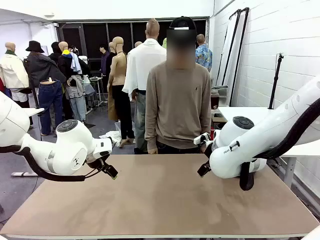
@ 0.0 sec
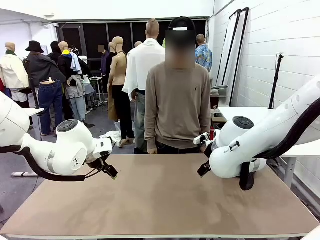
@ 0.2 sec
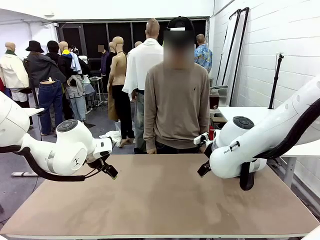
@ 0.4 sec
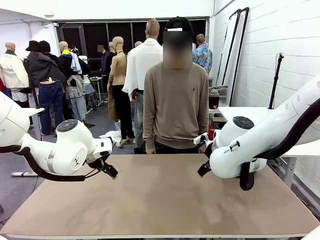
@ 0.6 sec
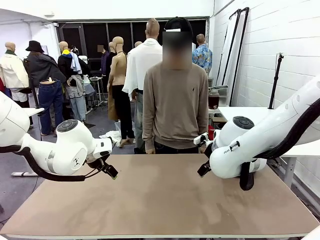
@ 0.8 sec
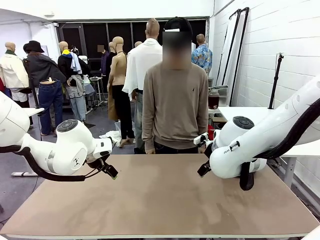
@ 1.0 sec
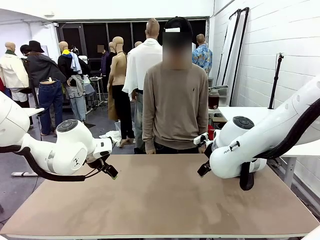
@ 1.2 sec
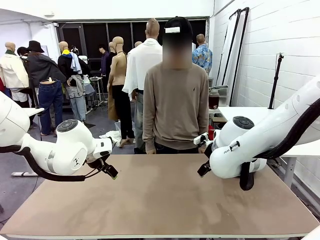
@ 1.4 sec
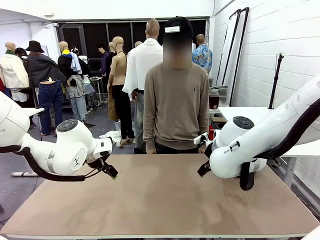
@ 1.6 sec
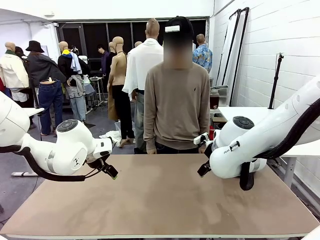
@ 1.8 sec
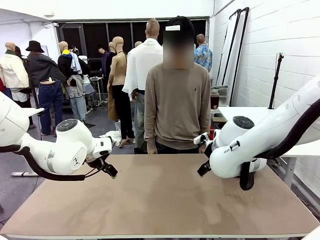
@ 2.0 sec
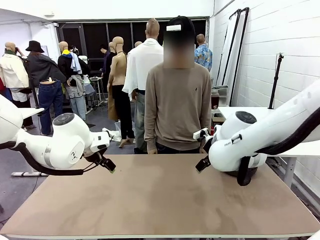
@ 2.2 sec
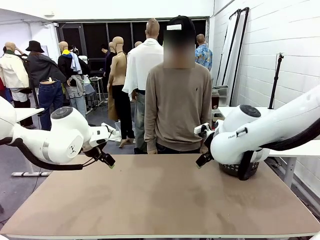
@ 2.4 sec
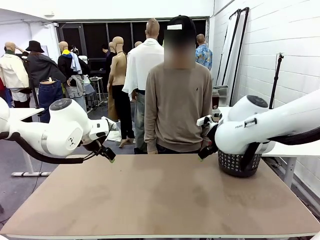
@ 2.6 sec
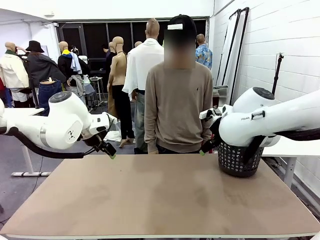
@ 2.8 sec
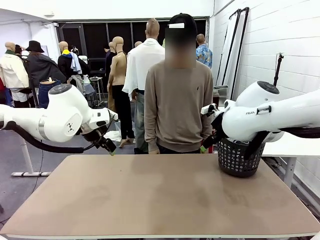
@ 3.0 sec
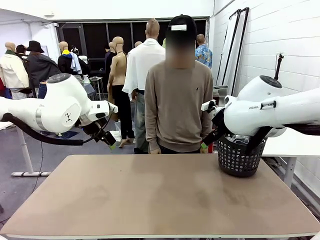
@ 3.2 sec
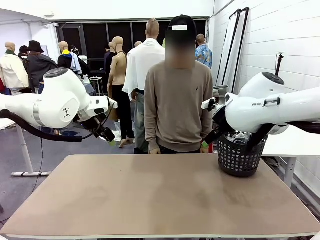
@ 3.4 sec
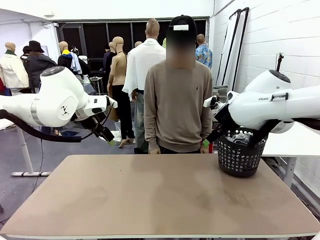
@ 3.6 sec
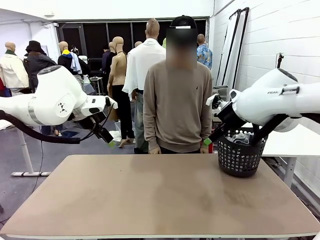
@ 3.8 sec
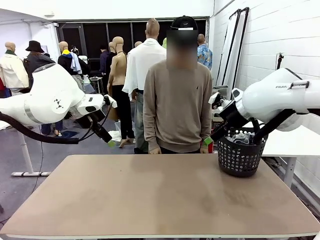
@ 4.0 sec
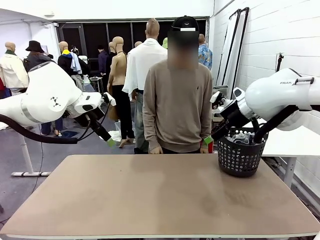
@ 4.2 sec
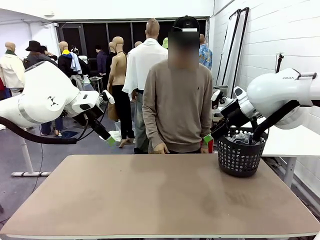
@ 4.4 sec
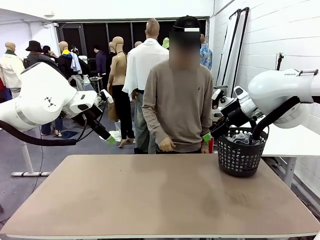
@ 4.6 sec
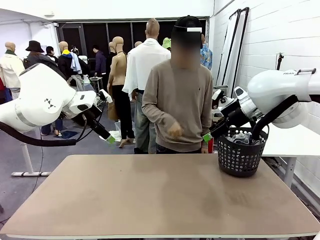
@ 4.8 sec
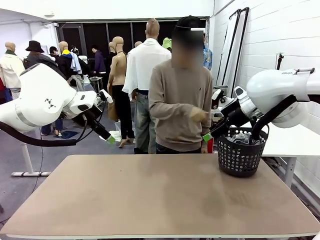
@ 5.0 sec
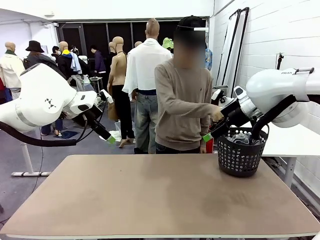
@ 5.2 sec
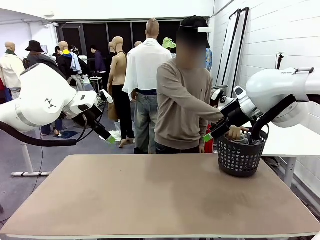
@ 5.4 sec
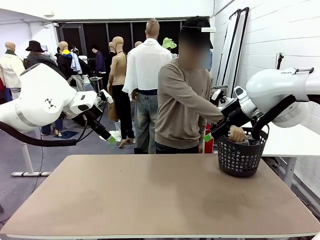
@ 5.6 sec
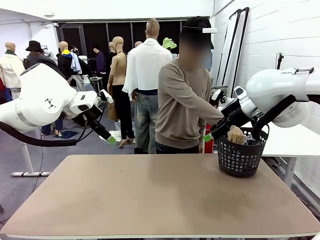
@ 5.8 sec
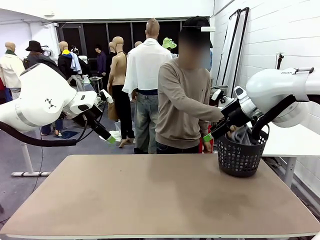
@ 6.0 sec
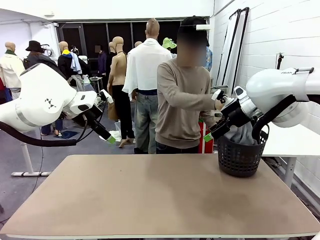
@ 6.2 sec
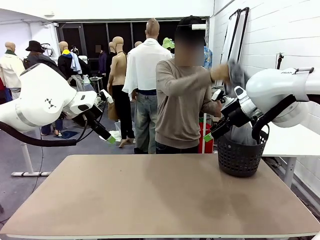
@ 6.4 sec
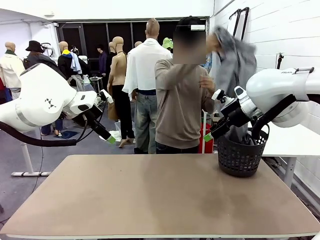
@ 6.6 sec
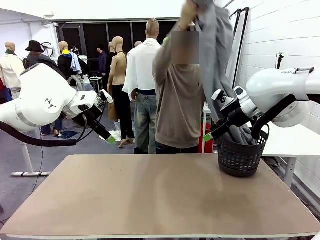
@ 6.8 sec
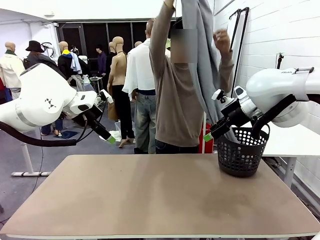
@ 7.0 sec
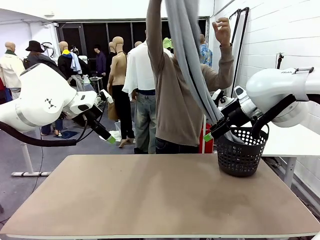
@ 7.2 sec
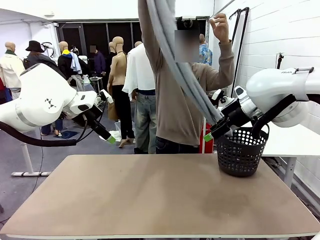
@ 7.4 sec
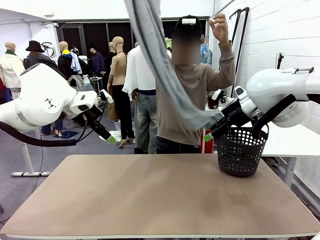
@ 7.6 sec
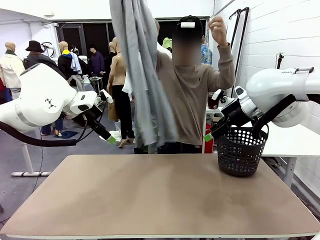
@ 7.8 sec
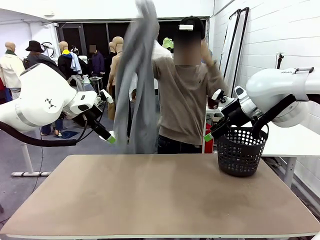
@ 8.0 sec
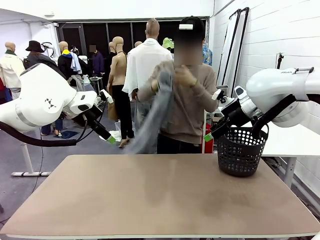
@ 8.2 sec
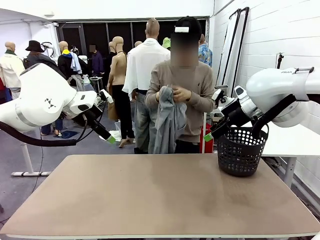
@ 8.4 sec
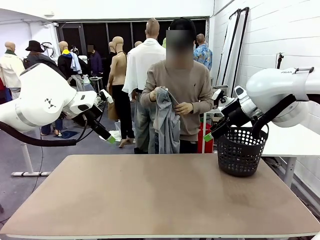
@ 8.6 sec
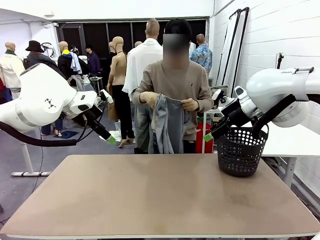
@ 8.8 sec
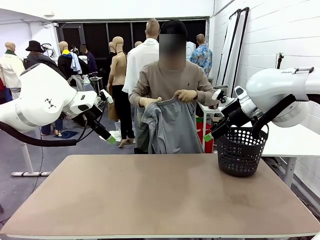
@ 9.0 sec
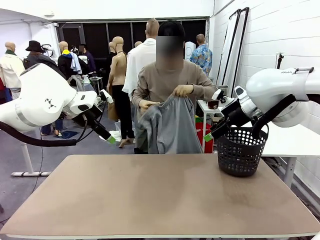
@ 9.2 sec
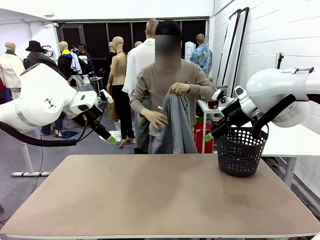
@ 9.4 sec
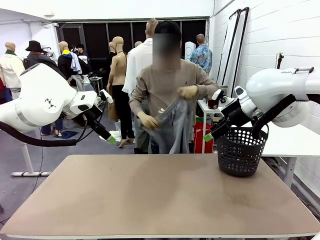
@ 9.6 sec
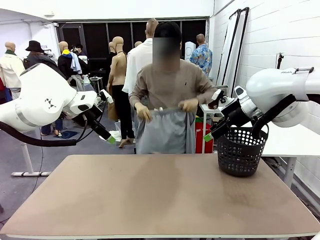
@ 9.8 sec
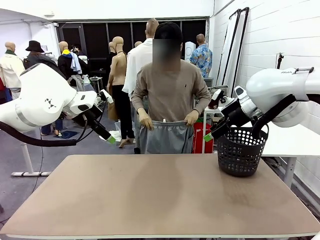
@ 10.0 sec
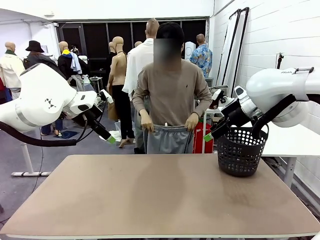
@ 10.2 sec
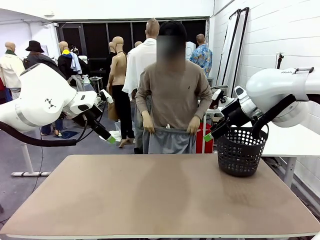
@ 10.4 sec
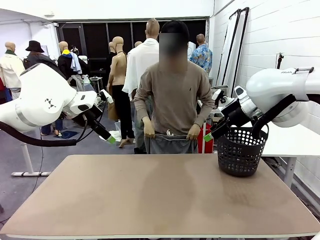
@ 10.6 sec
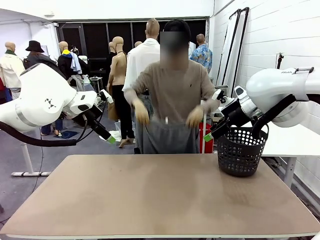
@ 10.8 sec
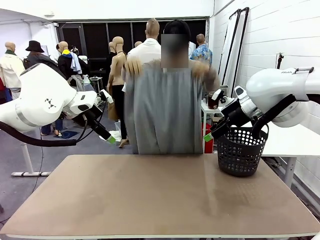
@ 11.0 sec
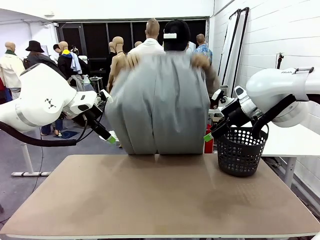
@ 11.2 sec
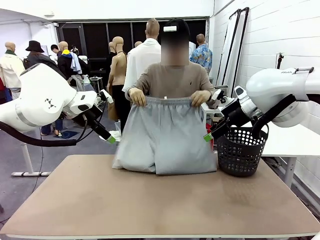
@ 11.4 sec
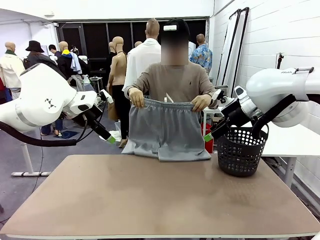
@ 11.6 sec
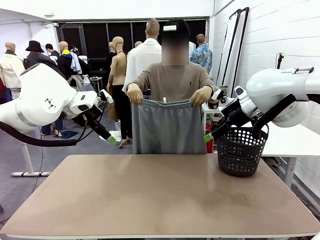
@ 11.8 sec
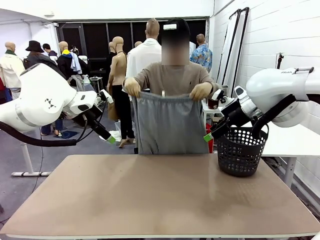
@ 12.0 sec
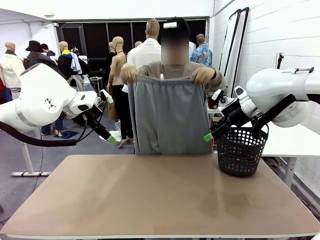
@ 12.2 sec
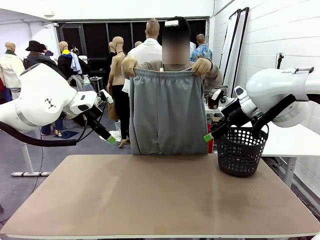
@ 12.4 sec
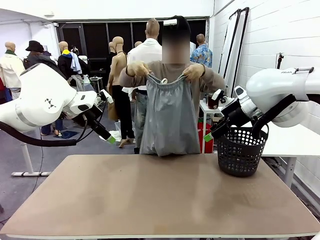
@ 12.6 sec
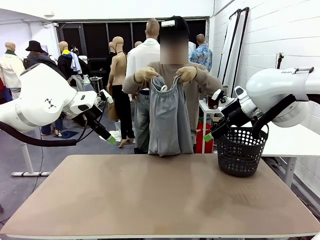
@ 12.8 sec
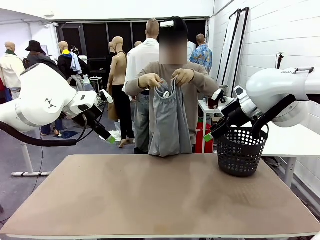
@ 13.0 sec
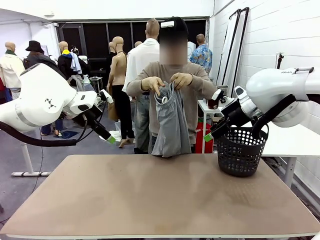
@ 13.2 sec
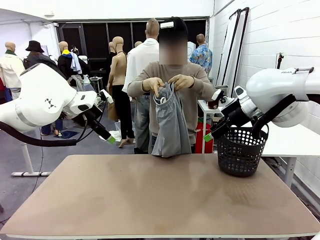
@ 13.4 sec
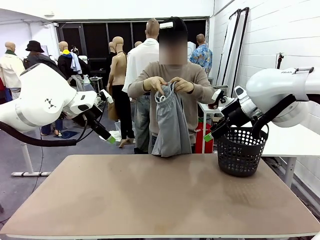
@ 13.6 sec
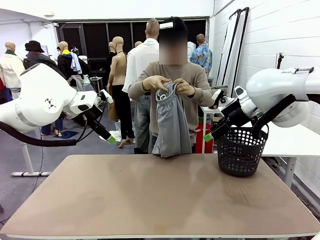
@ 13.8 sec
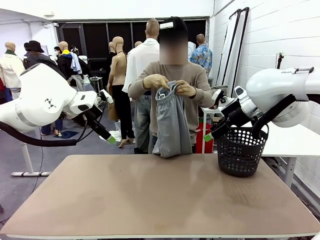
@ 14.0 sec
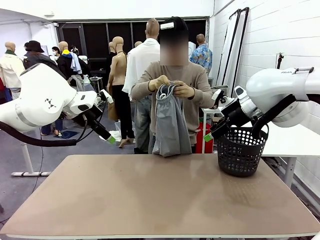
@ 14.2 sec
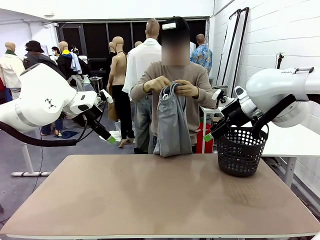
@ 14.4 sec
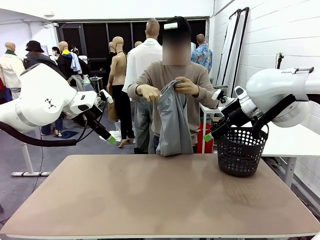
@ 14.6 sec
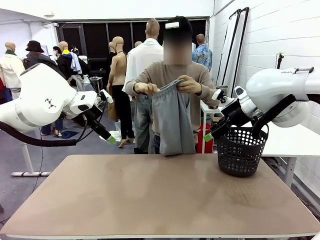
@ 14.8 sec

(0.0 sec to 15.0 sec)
Task: Fold the training pants.
Robot: Grab both ends of the Training pants handed by a person.
Person: Take the long pants out of the laundry basket, unfold them, fold the waist in half, and extend them so the robot can pick up both corners.
